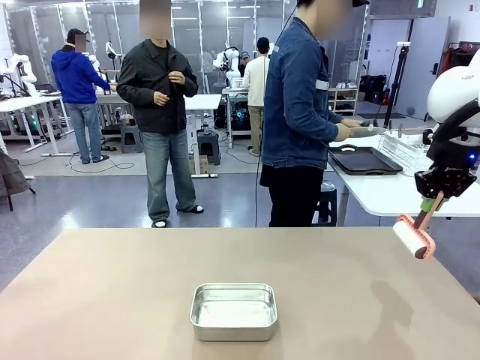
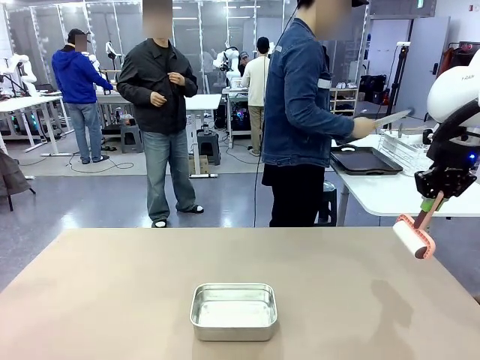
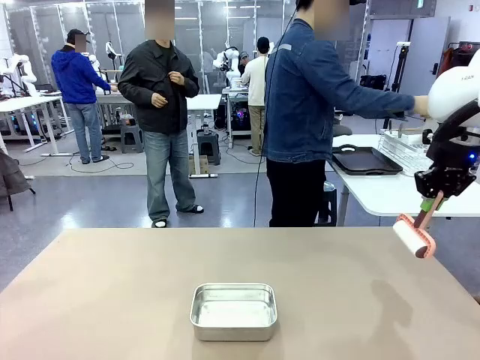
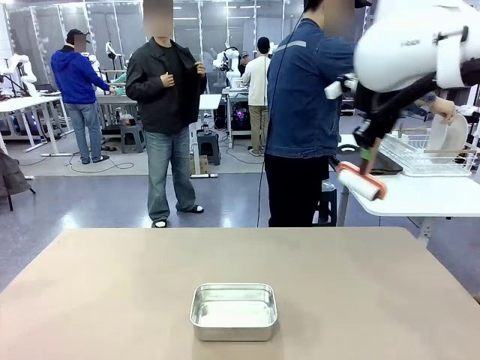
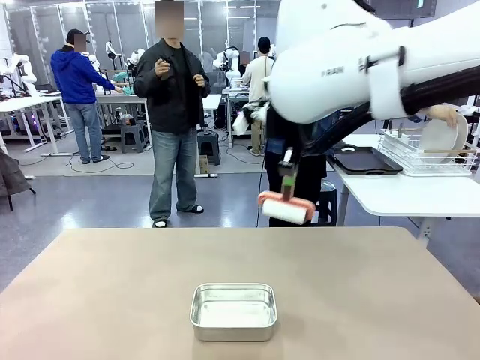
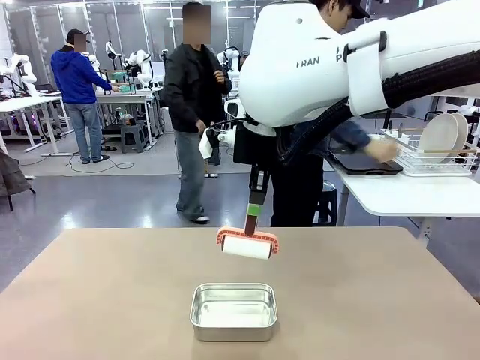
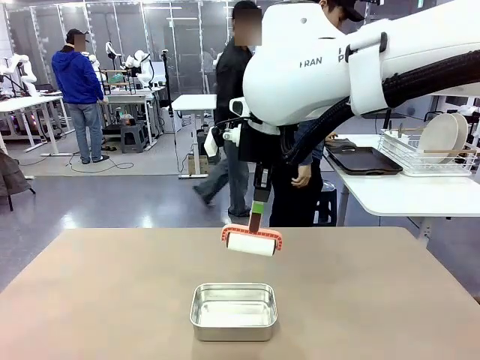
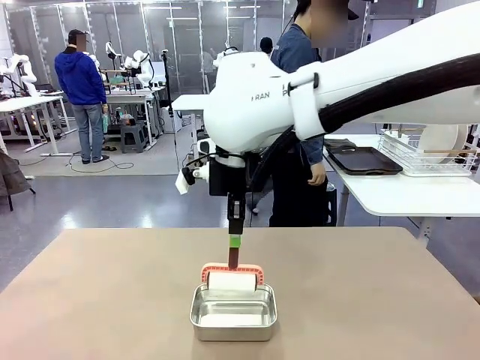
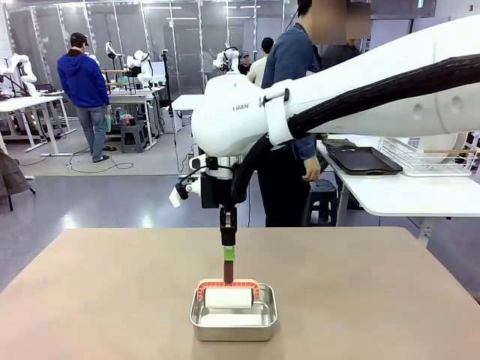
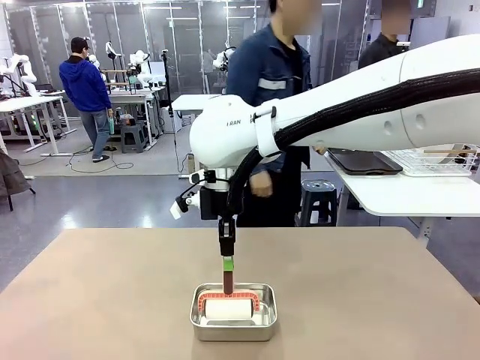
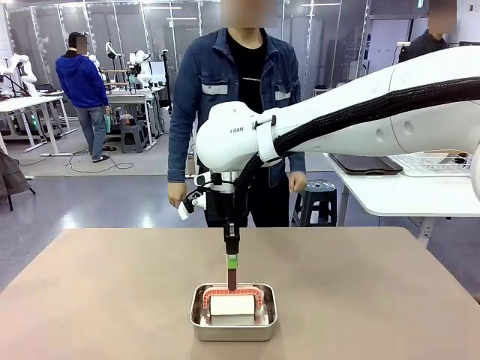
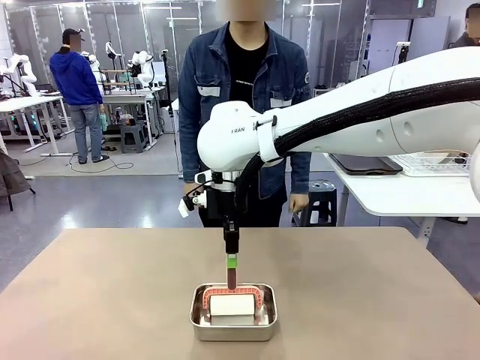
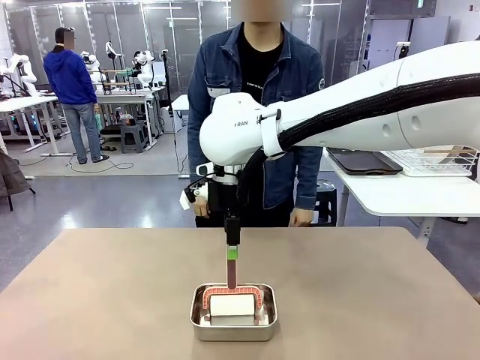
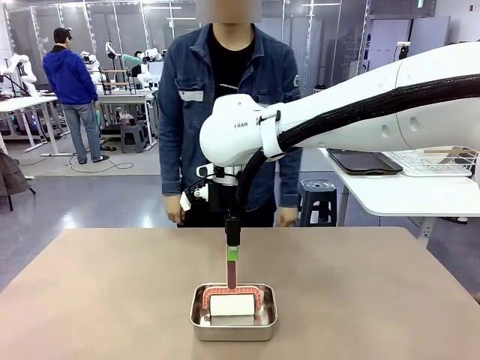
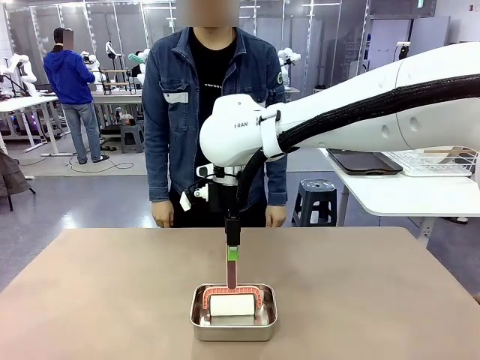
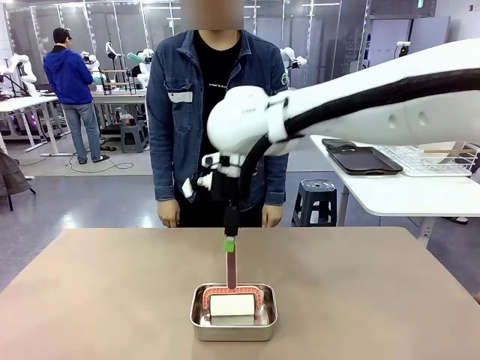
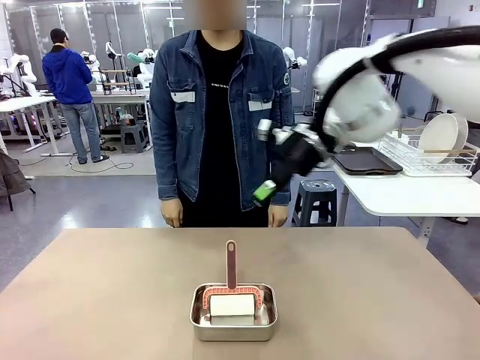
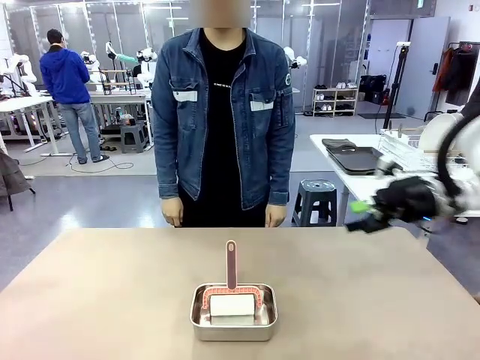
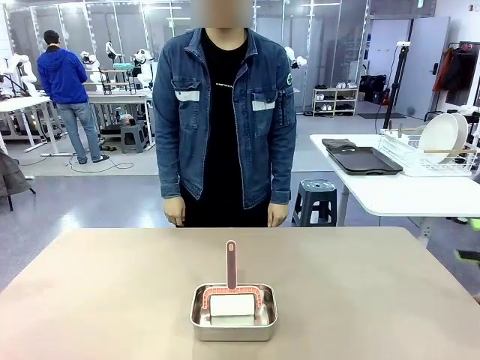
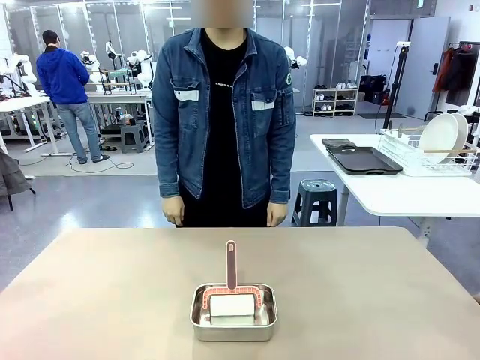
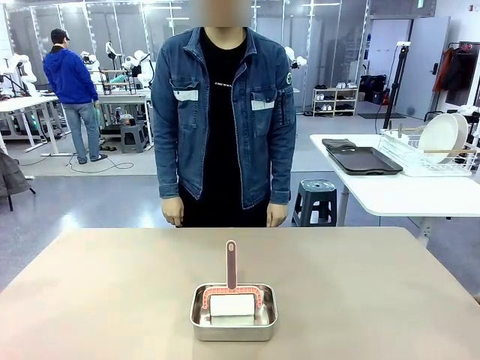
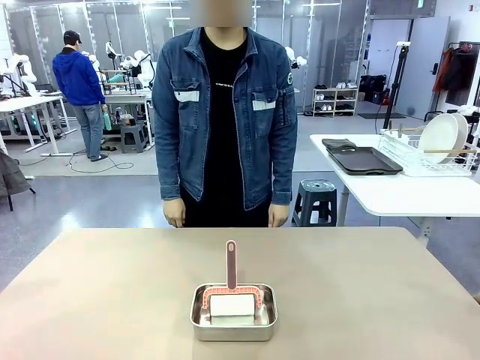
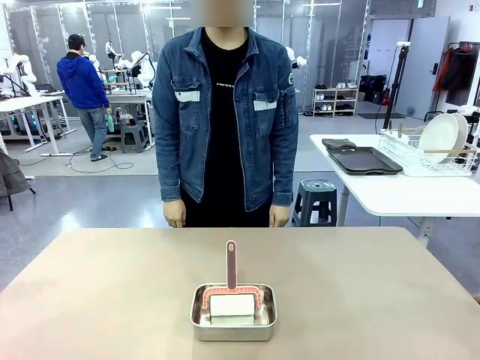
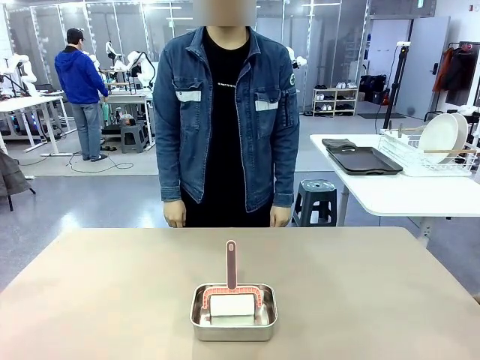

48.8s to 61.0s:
Robot: Place the Lint Roller back on top of the Airtight Container.

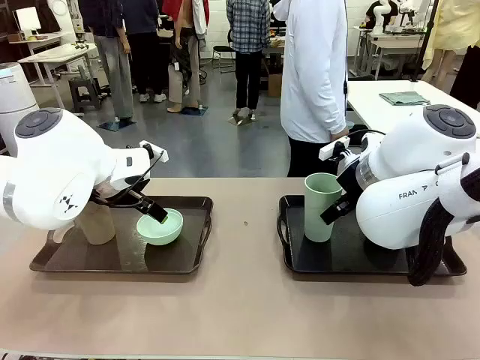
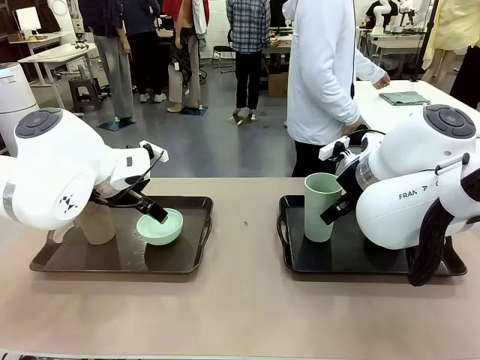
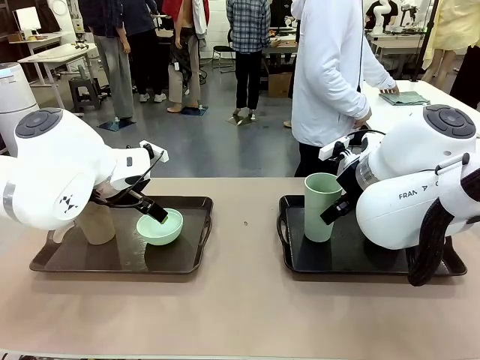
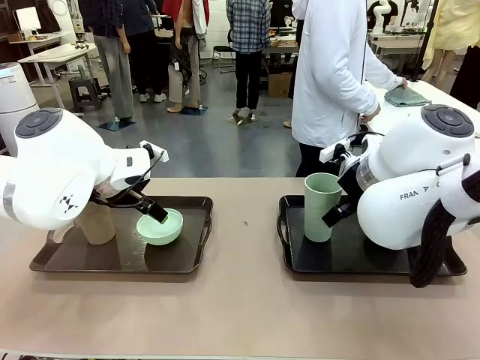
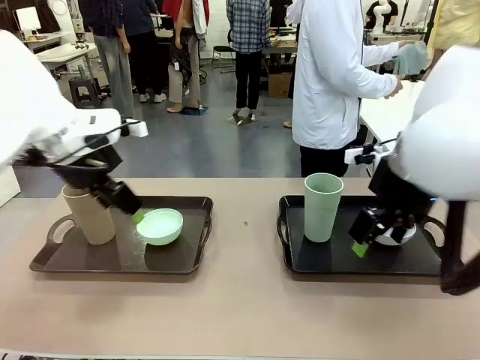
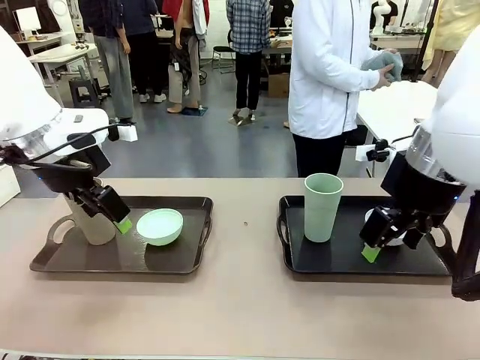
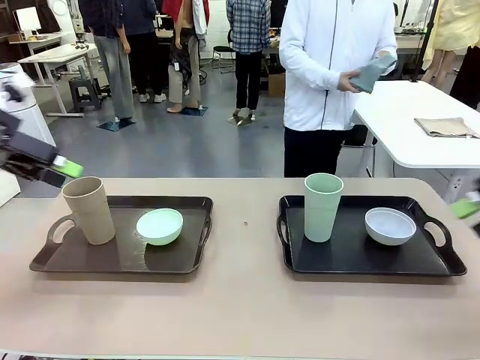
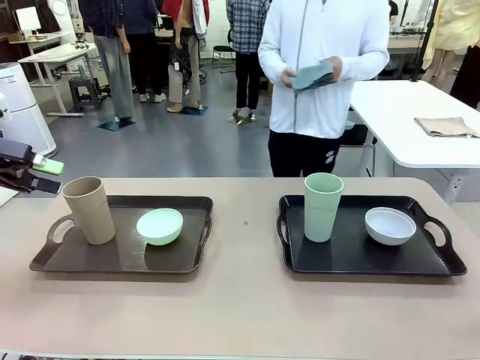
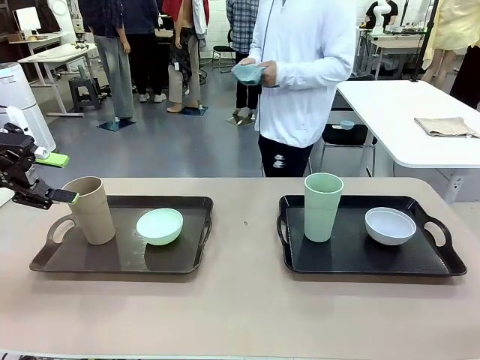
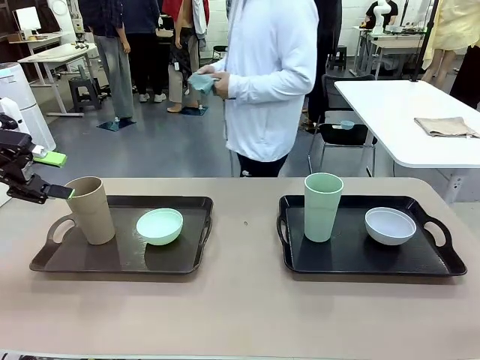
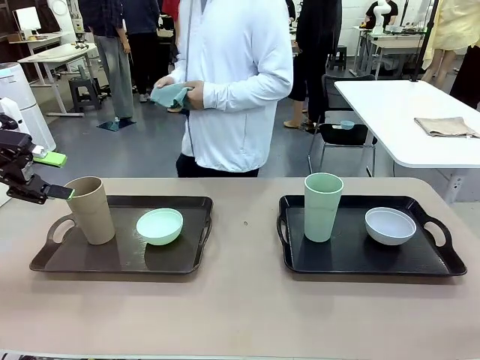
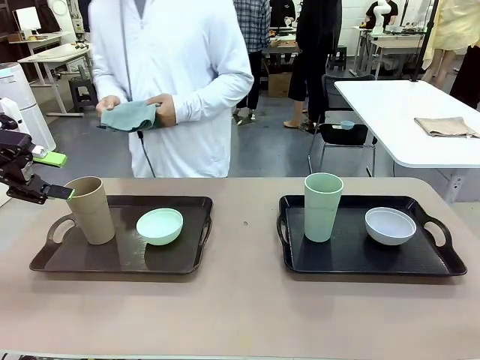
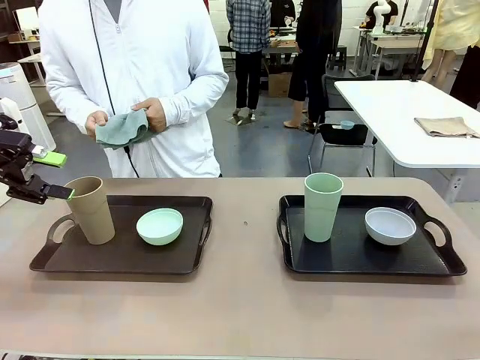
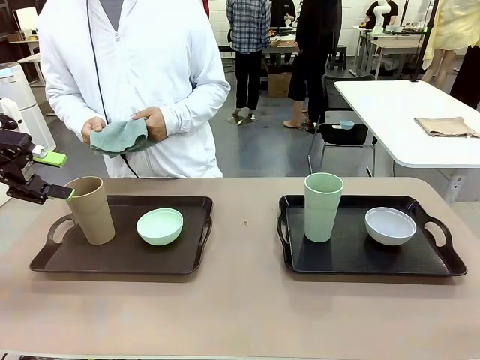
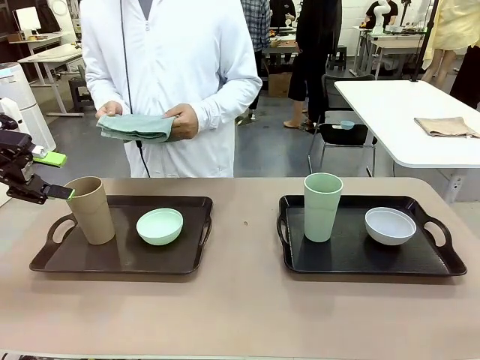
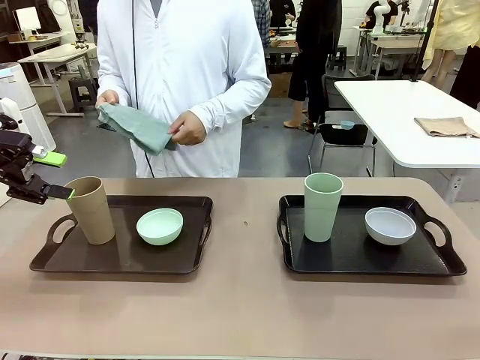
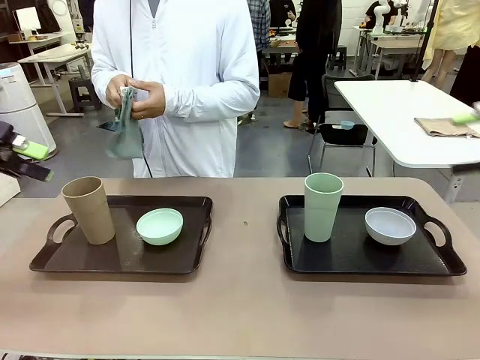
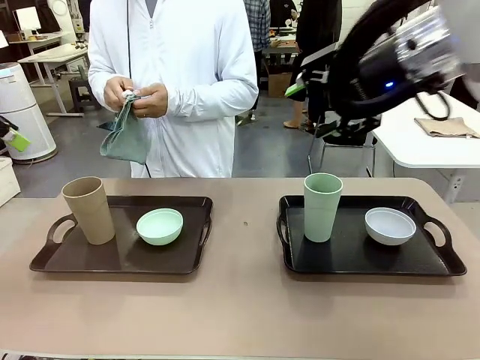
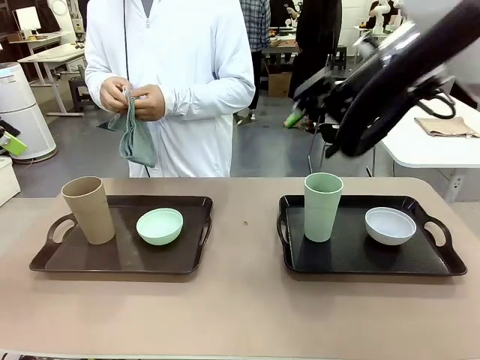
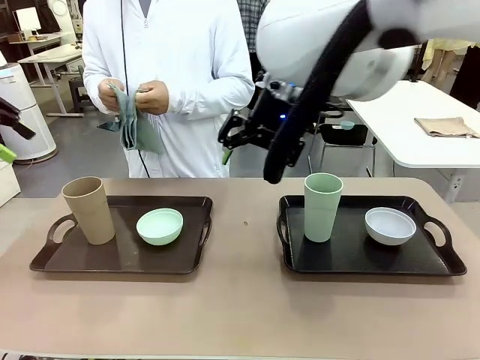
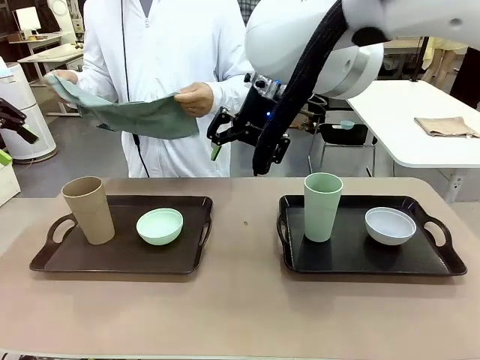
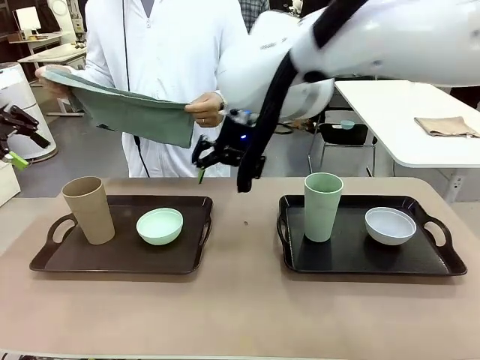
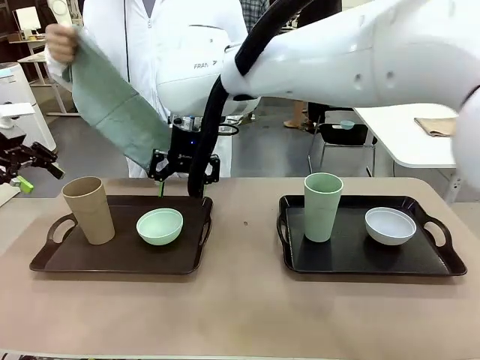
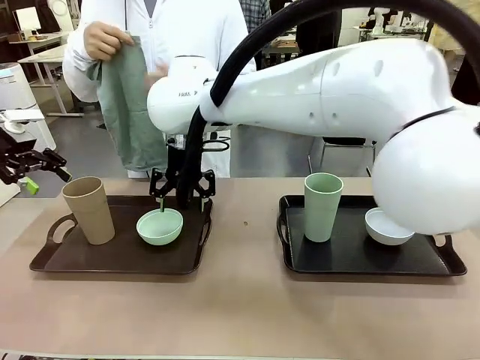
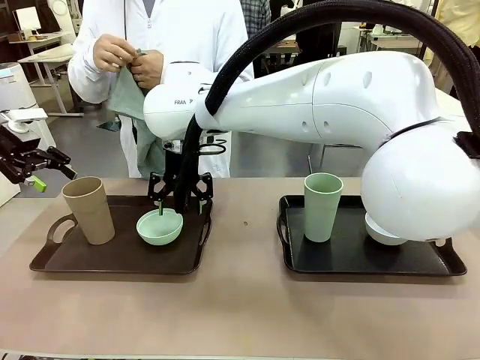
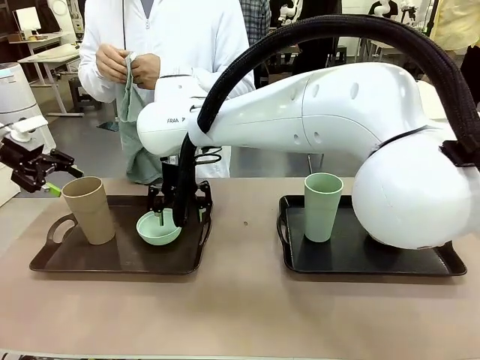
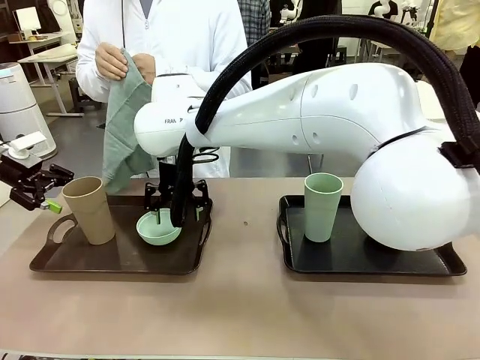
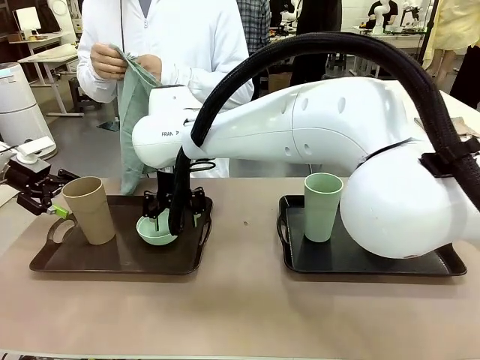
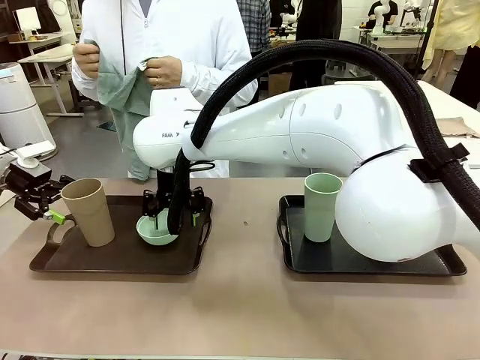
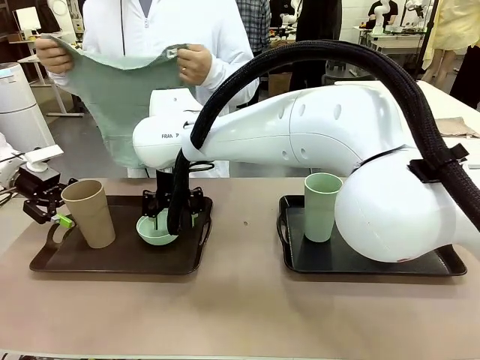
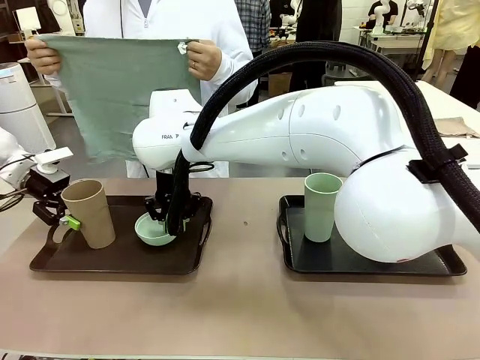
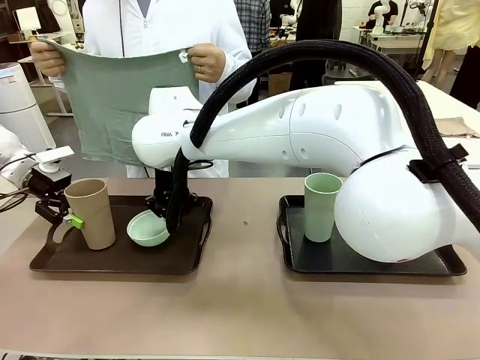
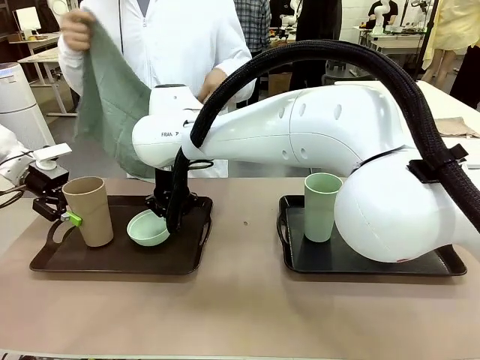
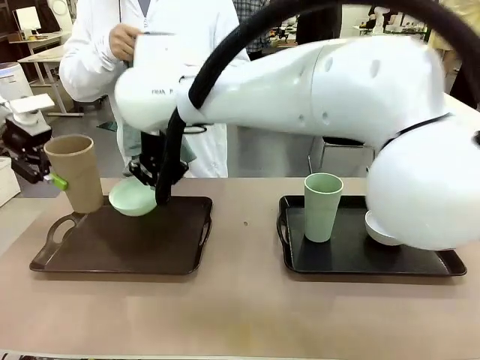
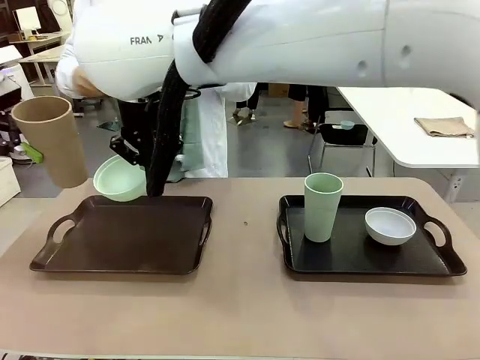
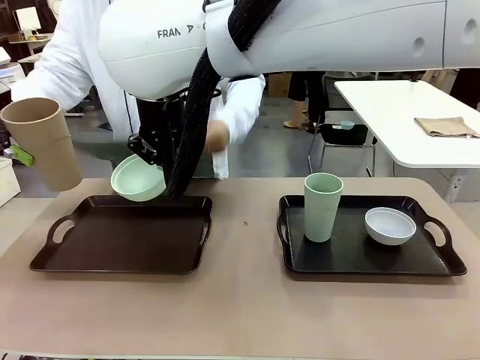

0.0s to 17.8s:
Robot: Pick up the Picnic Bowl and Reusable plastic cup from the Handle tray in front of the human's position and hold them in the air.
Person: The human picks up the top napkin from the stack on the human table and walks to the robot table to stand in front of one of the two trays. When the robot lifts the bowl and the cup, the human unfolds the napkin and lays the napkin flat on the tray.
